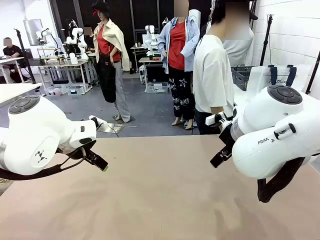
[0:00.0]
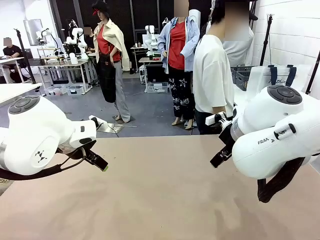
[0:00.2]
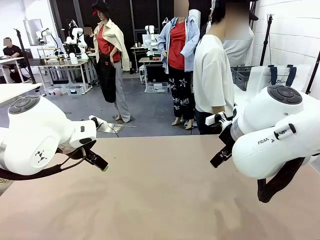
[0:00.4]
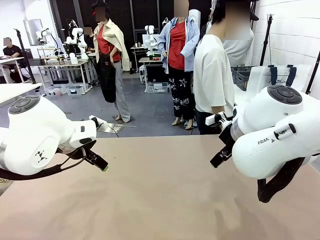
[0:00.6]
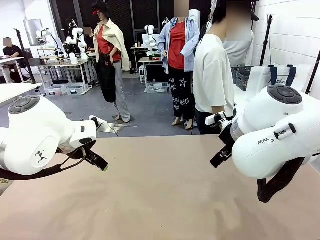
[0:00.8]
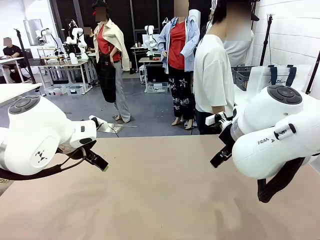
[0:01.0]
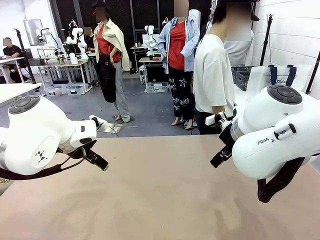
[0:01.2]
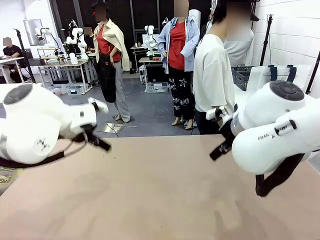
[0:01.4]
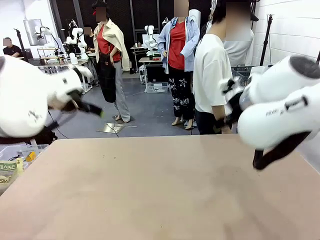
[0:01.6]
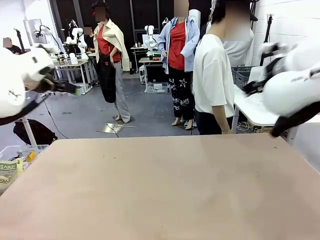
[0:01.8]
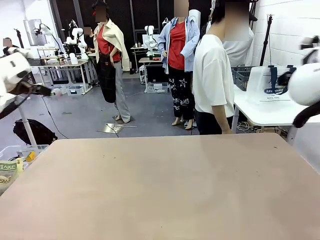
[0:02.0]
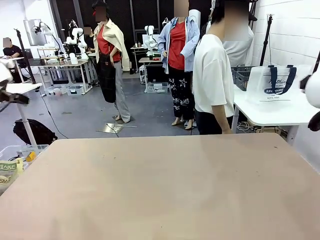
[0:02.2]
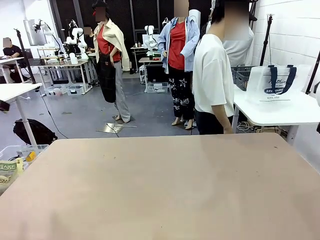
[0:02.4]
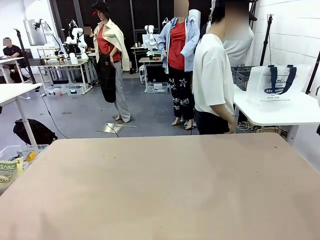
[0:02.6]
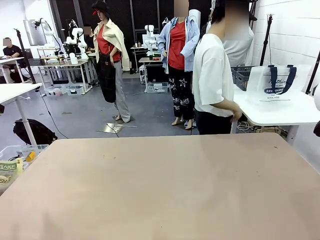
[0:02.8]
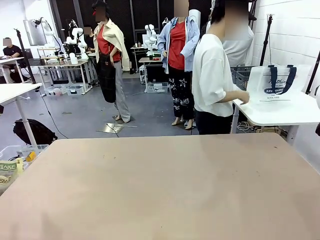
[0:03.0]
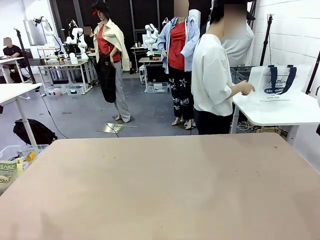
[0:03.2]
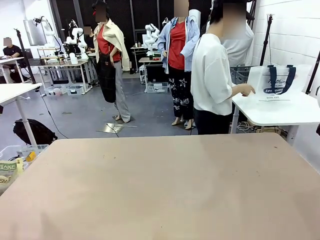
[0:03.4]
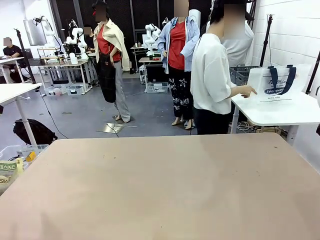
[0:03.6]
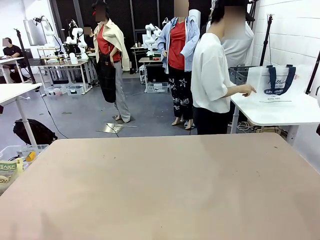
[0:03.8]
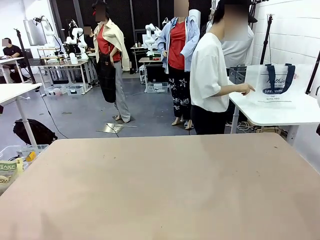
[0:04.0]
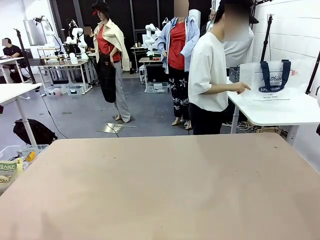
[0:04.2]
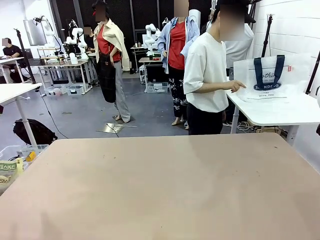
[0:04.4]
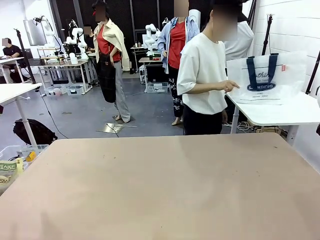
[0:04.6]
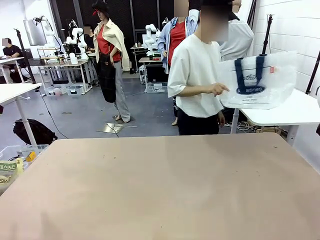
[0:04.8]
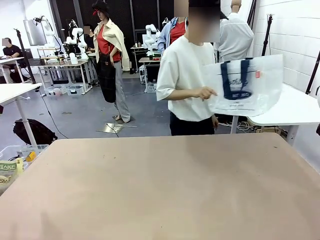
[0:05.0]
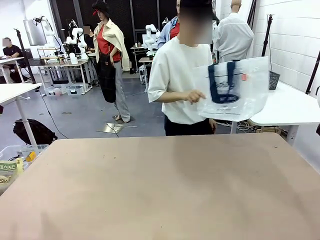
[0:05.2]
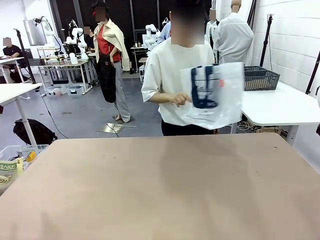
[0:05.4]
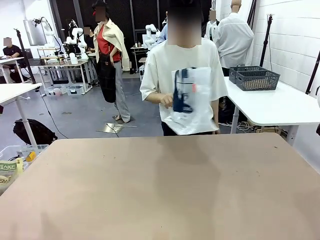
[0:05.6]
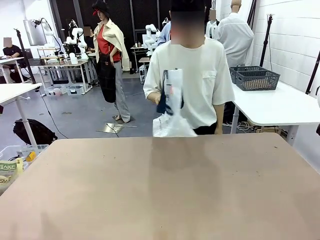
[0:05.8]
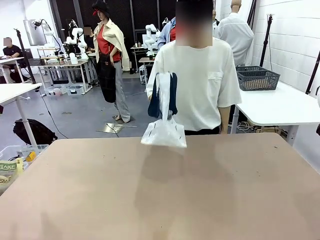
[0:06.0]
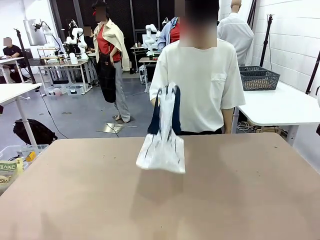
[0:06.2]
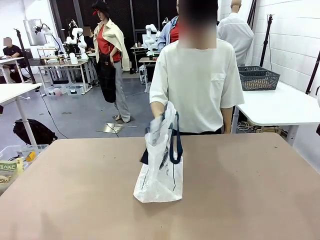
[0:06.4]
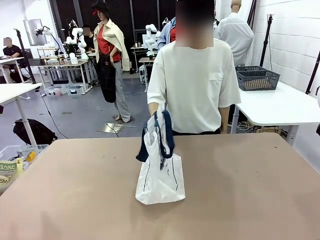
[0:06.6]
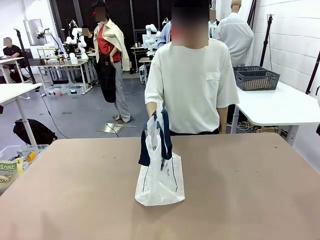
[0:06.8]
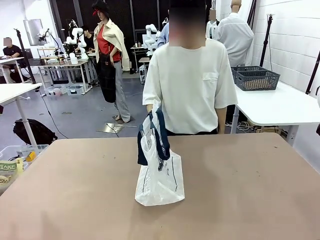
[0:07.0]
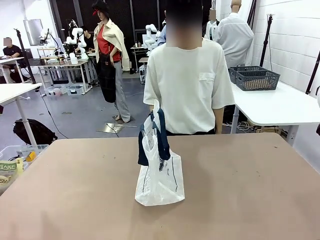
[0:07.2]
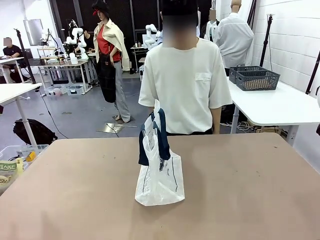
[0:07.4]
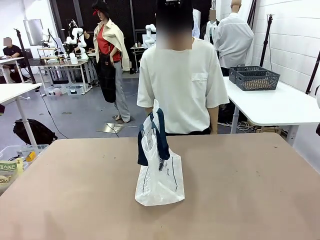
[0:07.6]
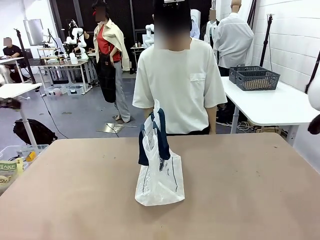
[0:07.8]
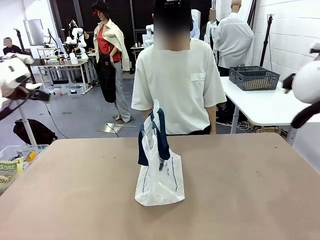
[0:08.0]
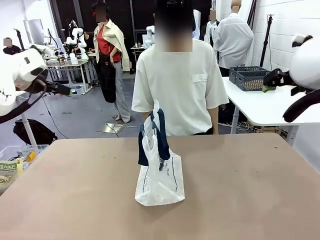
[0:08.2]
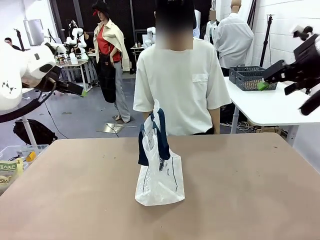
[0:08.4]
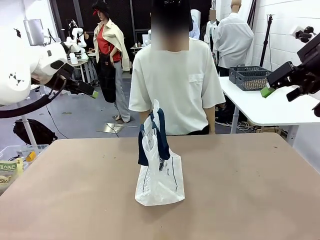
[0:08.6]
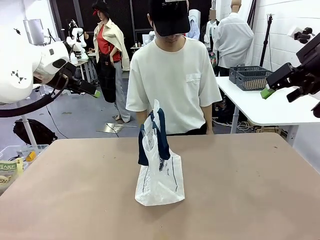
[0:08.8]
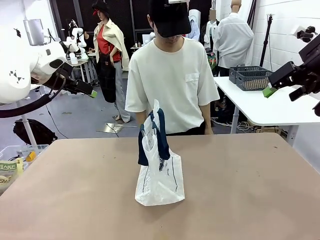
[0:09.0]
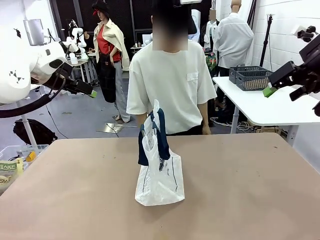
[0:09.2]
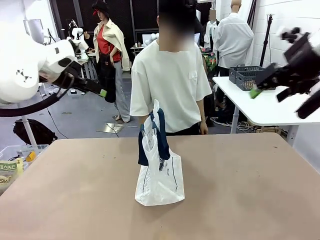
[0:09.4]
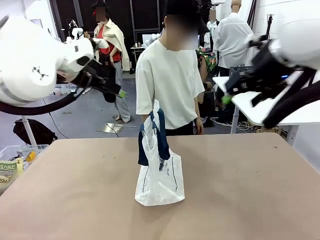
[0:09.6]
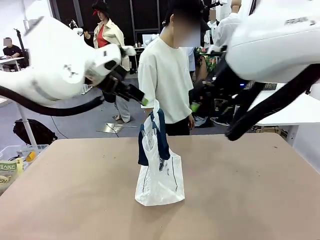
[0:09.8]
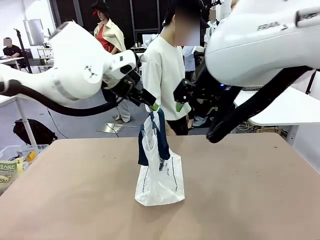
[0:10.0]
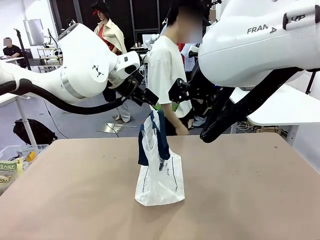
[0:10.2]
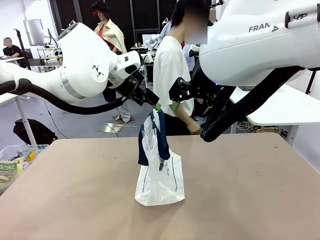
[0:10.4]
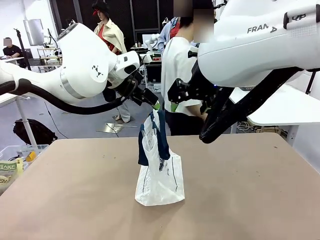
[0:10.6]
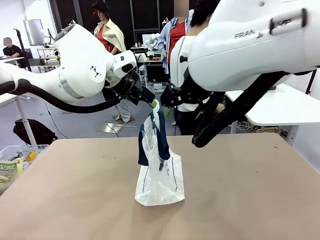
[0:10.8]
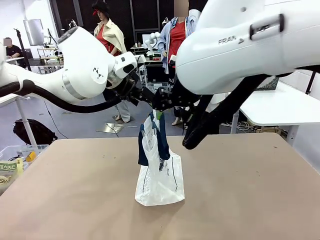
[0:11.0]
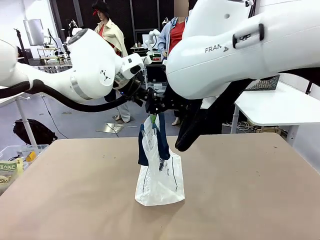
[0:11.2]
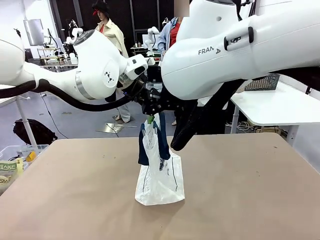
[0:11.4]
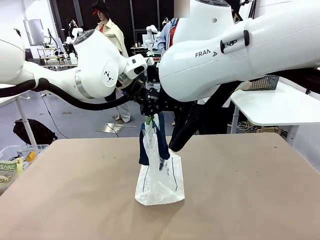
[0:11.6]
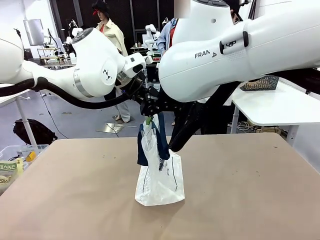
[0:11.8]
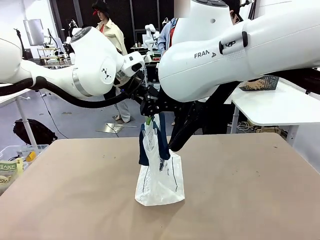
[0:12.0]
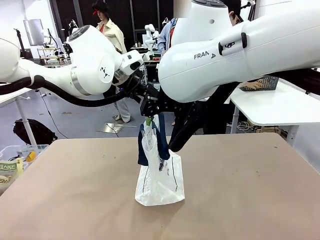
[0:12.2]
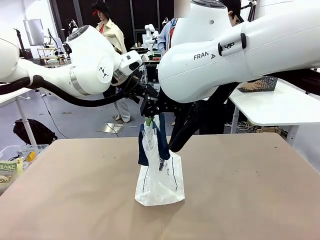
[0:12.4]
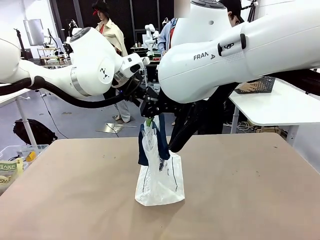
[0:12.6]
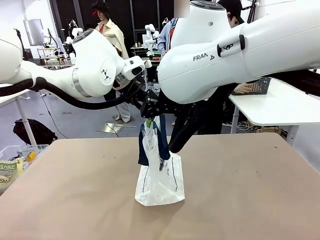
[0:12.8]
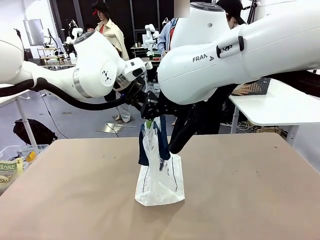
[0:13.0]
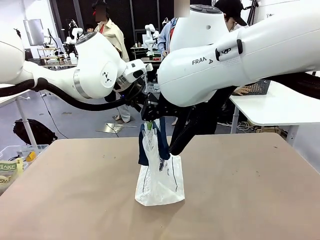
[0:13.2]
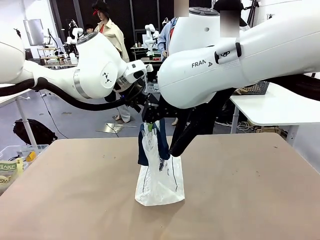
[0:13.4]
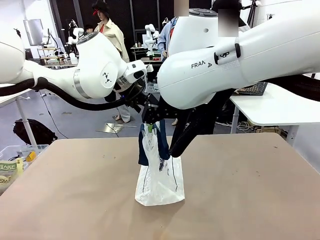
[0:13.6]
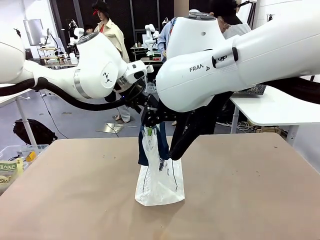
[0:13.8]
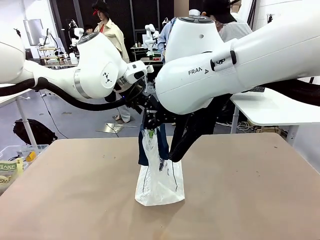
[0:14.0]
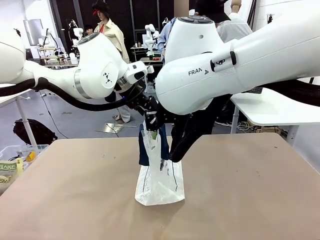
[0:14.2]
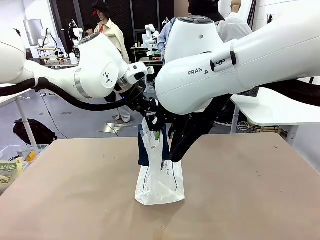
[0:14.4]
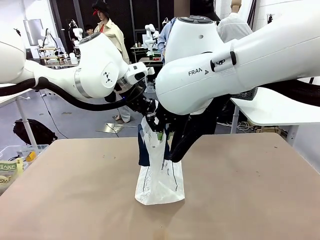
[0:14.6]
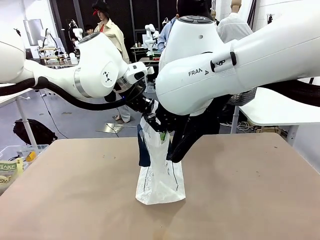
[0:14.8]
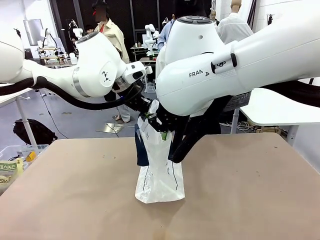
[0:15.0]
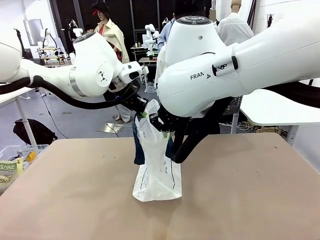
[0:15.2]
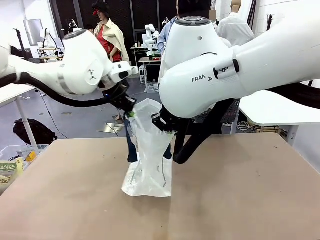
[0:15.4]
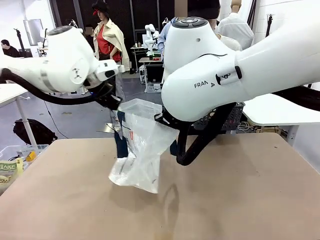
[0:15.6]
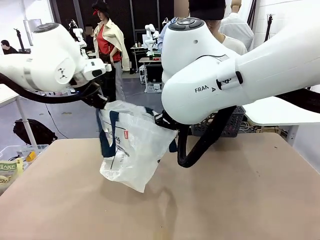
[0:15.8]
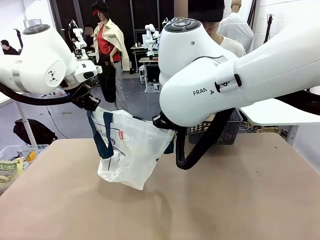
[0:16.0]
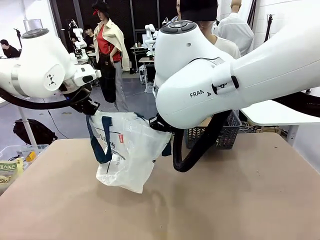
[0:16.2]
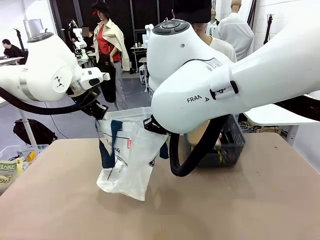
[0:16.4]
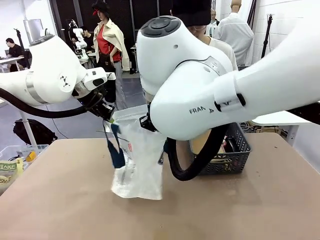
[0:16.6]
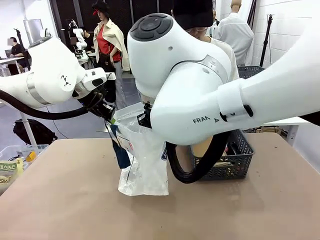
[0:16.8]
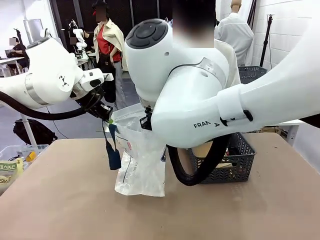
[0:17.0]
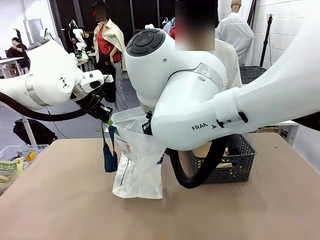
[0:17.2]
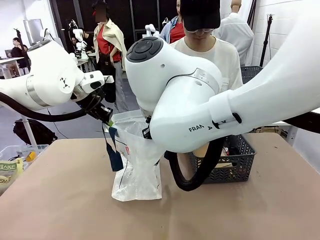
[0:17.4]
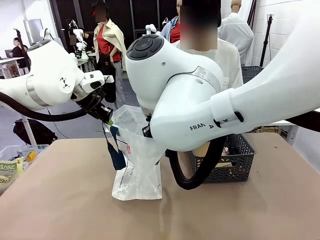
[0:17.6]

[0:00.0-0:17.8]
Task: Transfer purchased items from the store into the shopping bag.
Robot: Open the Reusable shopping bag in the center of the table.
Person: Pick up the shopping bag and place it in the middle of the robot table. Pick up the basket on the right, place it on the left side of the robot table, and move the items in the basket to the shopping bag.
